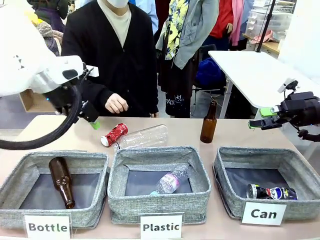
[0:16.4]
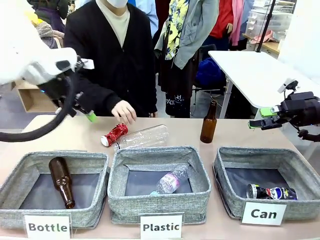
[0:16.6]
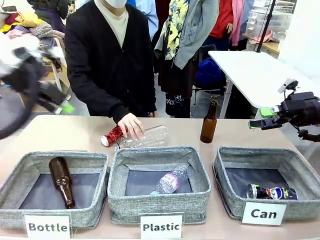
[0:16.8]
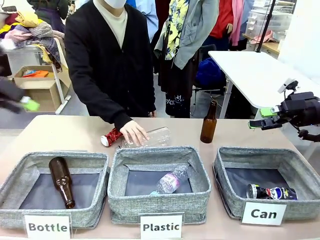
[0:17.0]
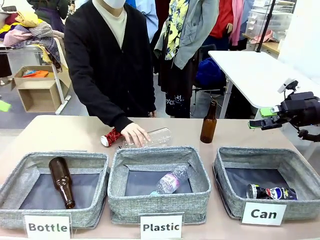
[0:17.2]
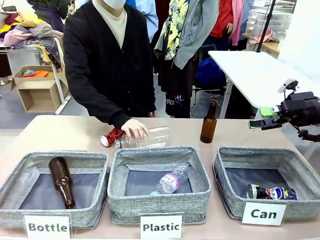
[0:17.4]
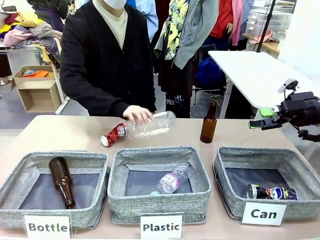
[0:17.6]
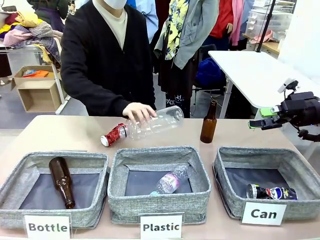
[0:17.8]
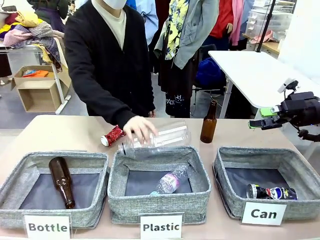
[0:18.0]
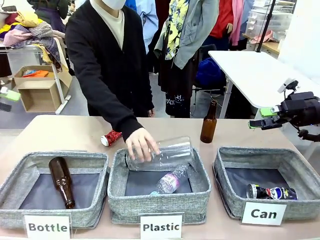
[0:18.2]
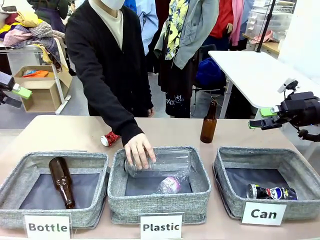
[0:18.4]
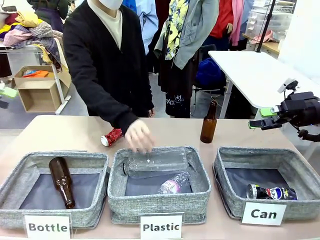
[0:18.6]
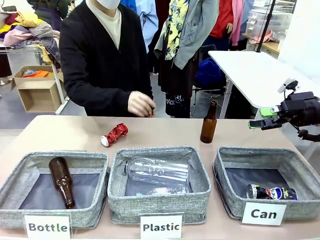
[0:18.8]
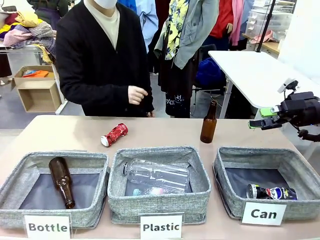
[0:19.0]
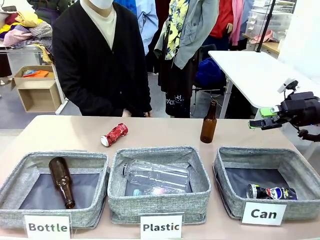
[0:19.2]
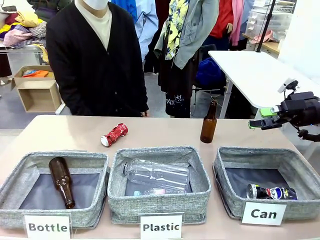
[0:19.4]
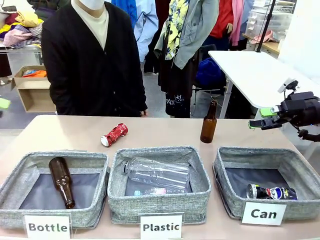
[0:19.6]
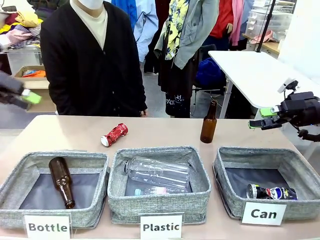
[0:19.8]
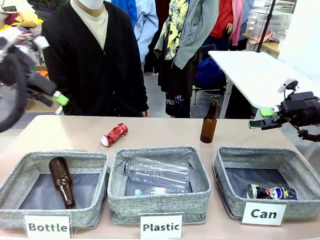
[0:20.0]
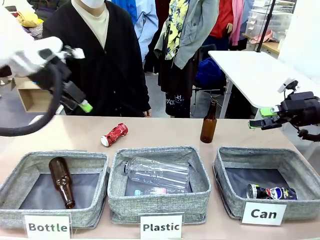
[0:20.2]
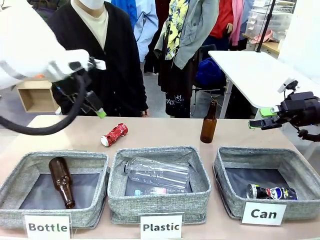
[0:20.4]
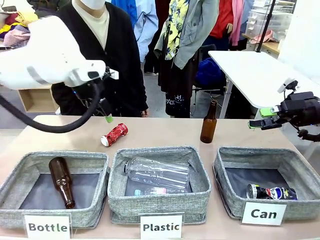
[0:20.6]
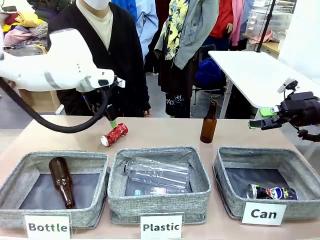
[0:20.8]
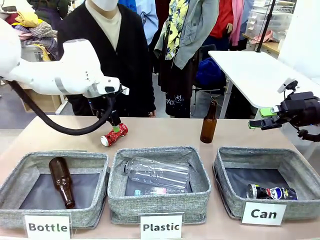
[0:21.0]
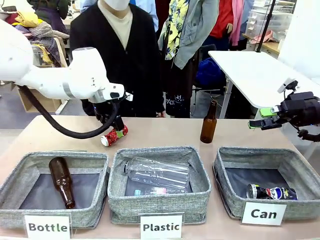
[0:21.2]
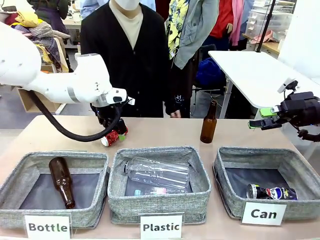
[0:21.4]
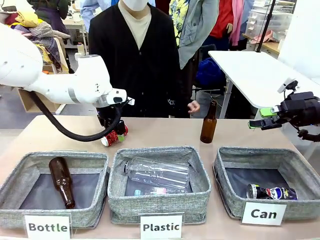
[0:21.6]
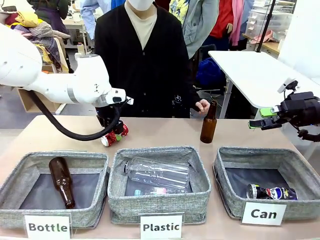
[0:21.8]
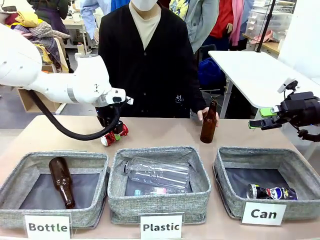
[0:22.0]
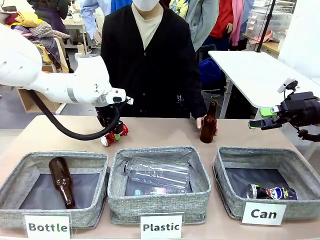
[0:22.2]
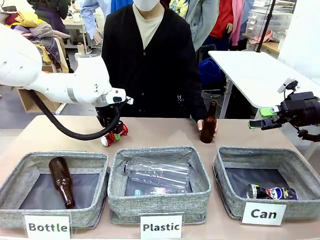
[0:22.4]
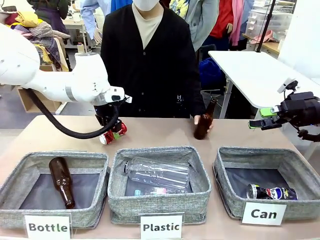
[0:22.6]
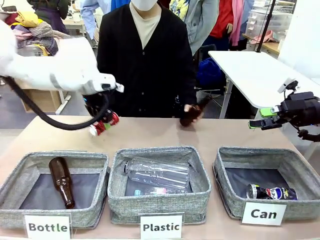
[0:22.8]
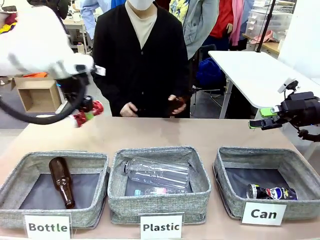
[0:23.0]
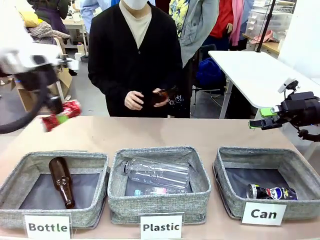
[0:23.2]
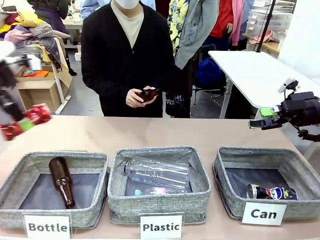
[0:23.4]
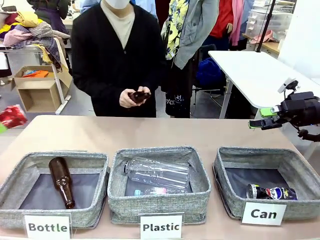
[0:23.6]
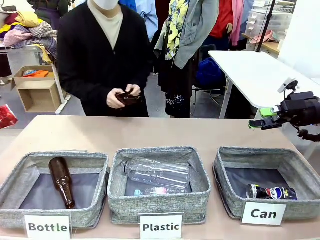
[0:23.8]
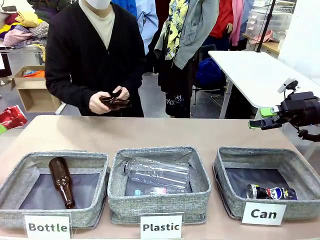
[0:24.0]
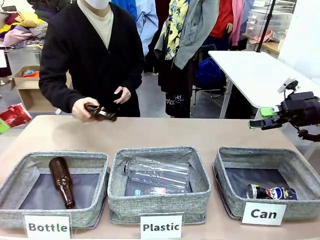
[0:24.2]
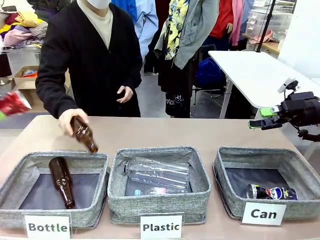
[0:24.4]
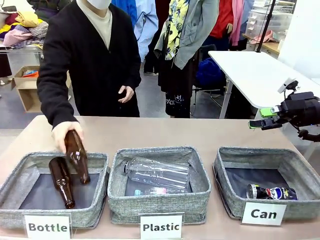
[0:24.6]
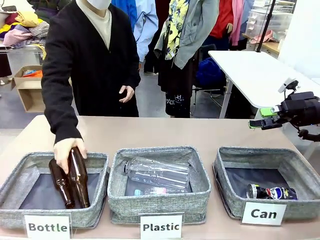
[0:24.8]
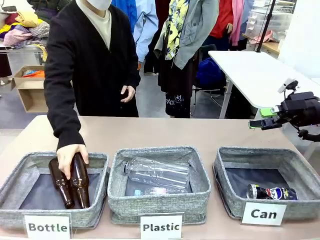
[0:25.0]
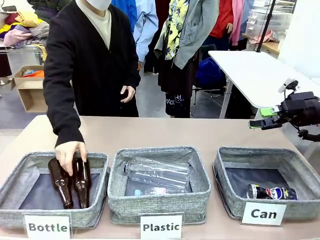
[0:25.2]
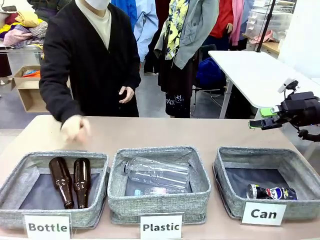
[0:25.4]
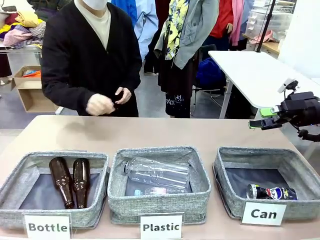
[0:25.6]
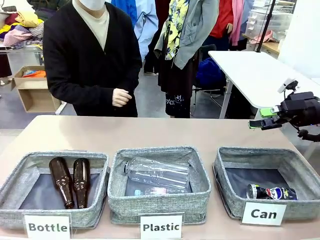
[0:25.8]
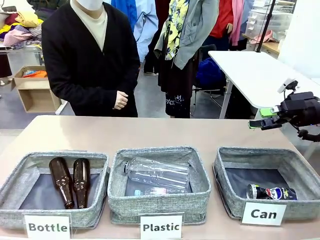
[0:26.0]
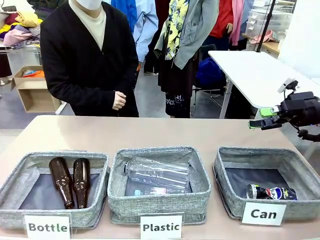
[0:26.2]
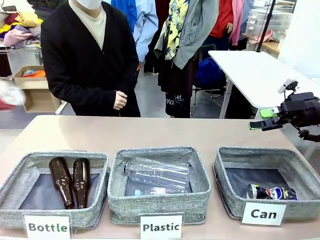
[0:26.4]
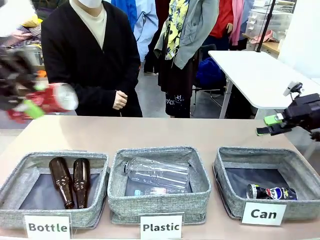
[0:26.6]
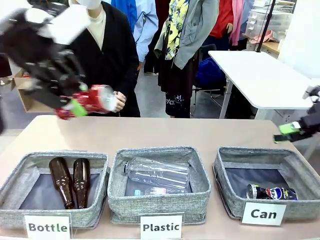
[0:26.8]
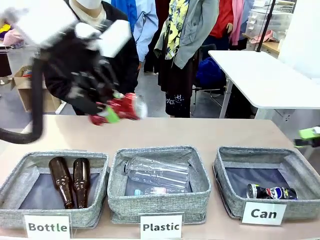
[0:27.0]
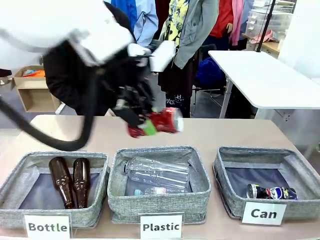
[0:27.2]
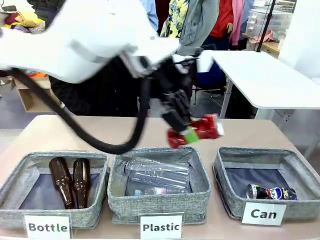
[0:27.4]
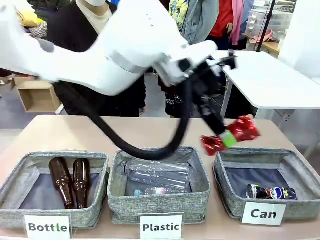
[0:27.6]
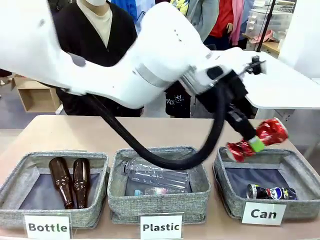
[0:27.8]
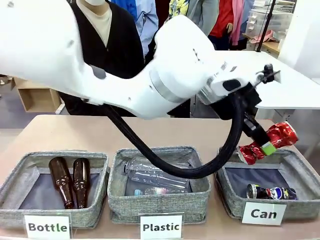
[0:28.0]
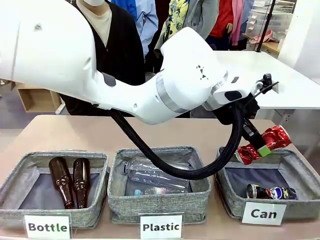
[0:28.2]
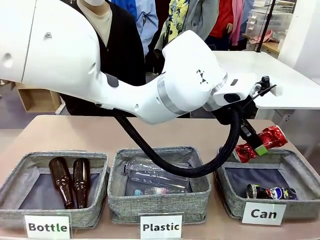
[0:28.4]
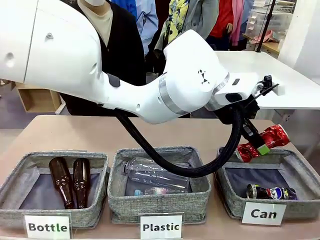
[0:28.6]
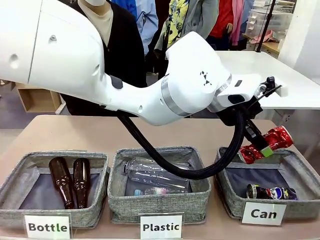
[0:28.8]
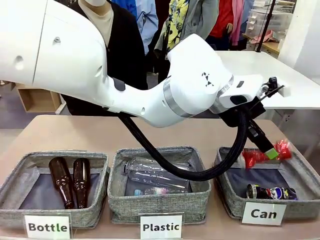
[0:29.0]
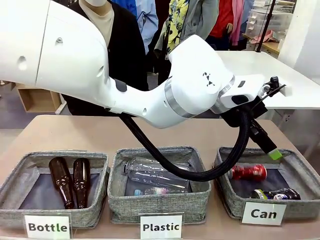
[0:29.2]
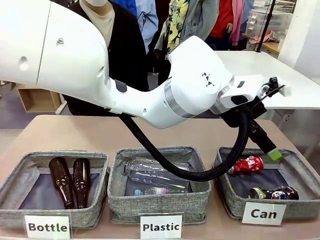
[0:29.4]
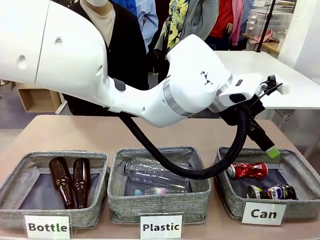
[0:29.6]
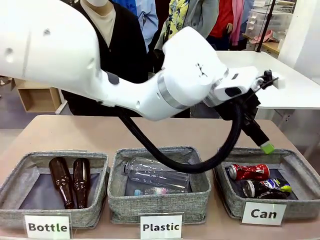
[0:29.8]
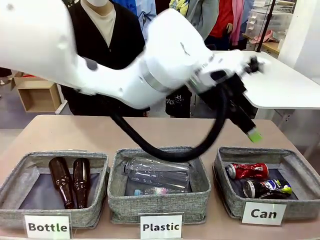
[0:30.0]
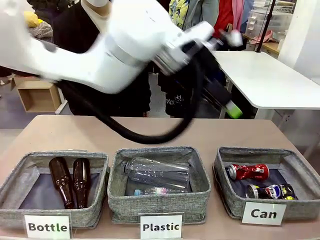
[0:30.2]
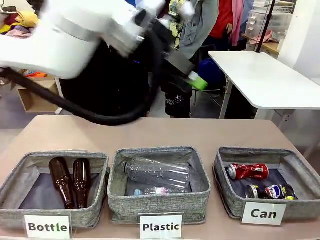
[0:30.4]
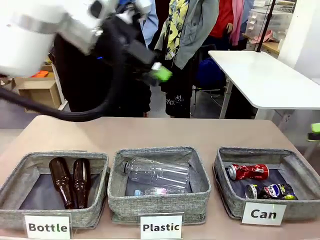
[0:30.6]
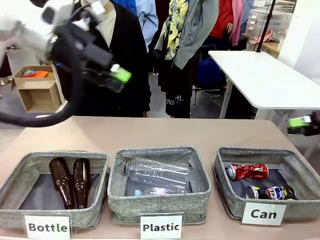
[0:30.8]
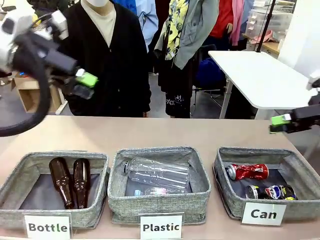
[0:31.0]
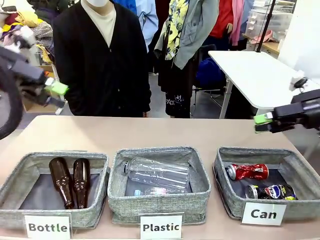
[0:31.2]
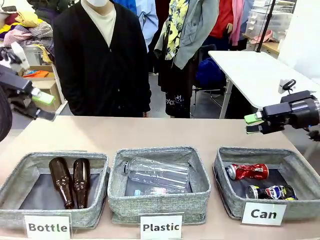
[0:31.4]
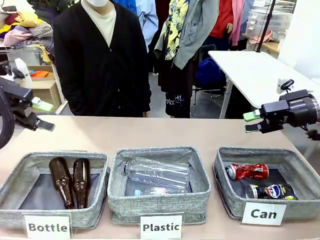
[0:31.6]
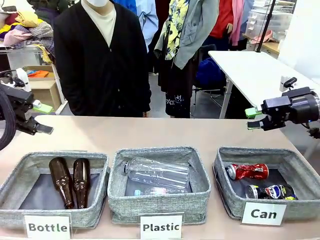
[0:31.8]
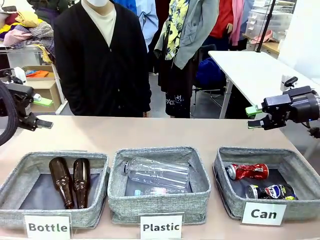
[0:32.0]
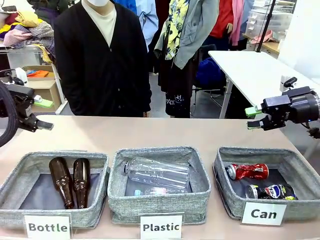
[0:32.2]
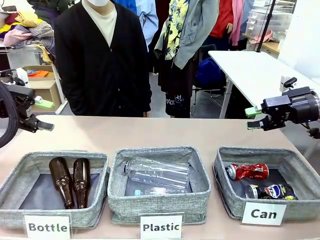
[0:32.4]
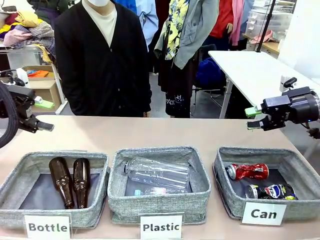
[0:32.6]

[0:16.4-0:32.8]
Task: Sort the can waste into the basket.
Robot: Pick up the can waste from the table and place it in the right Fabric basket.
